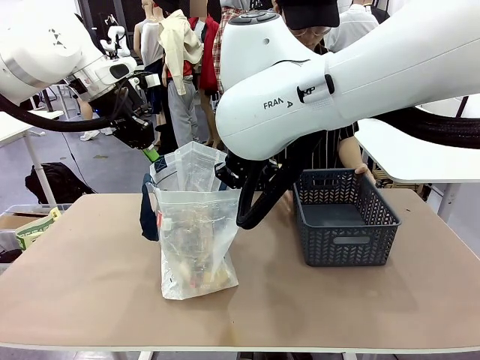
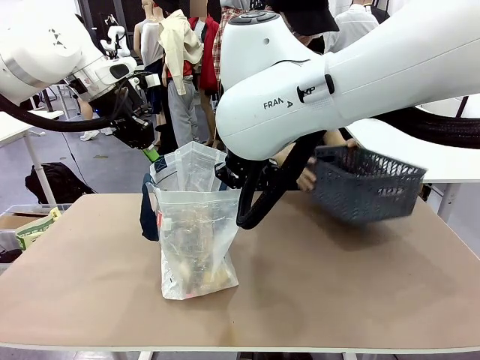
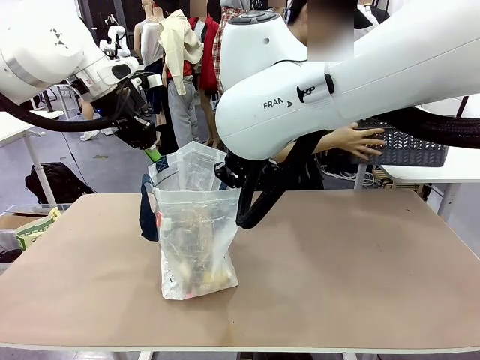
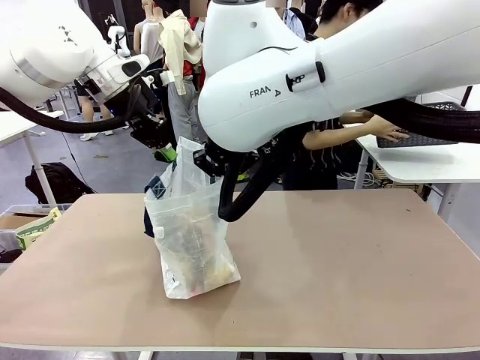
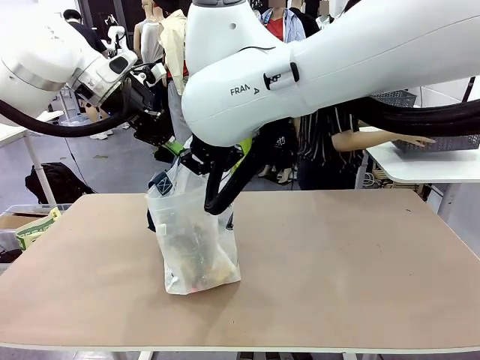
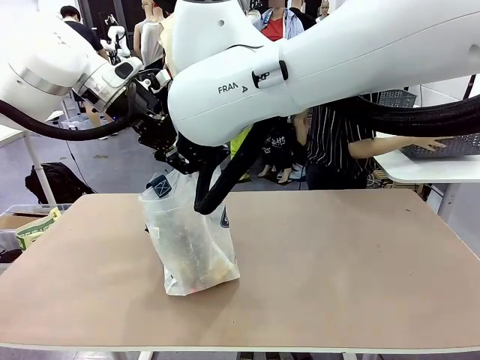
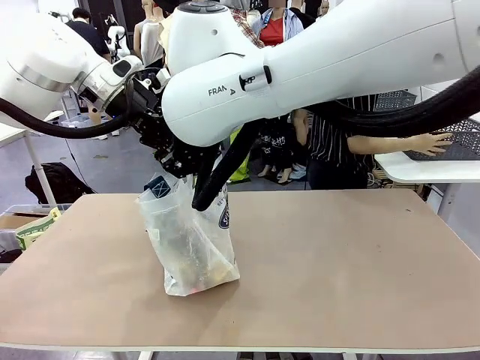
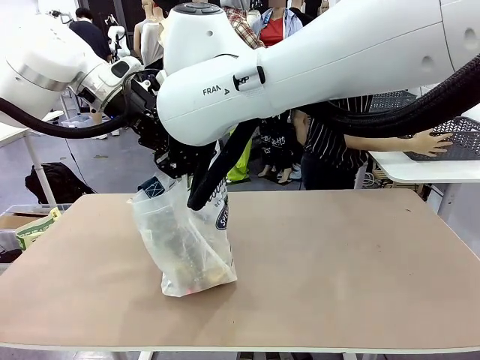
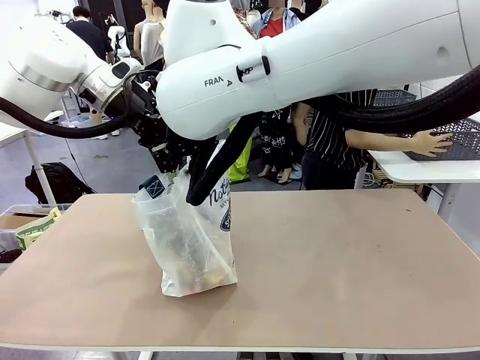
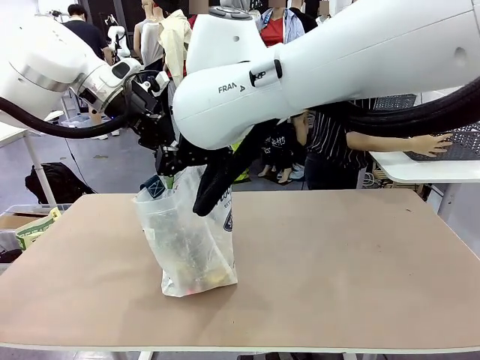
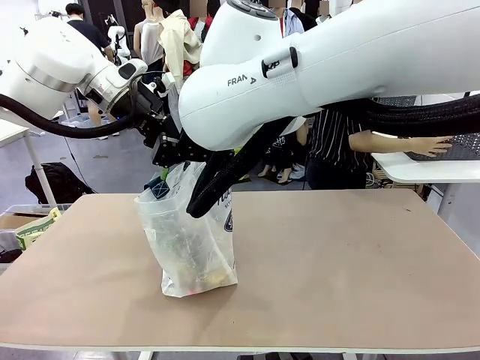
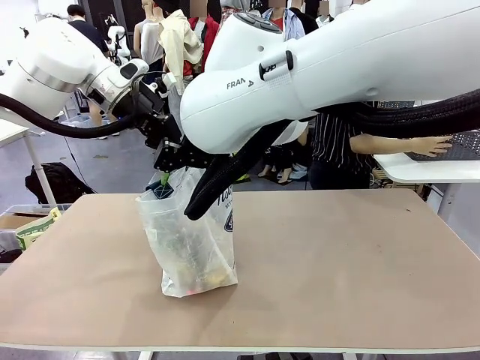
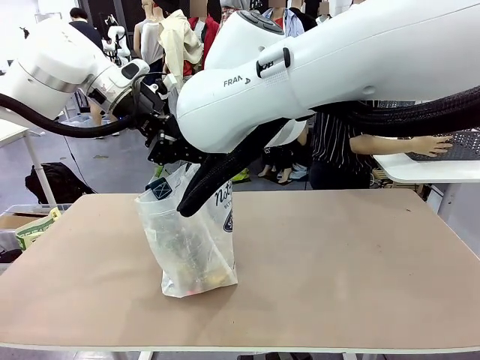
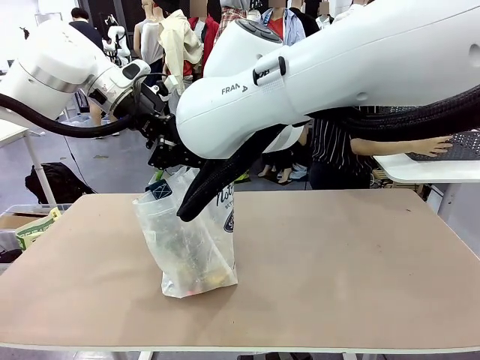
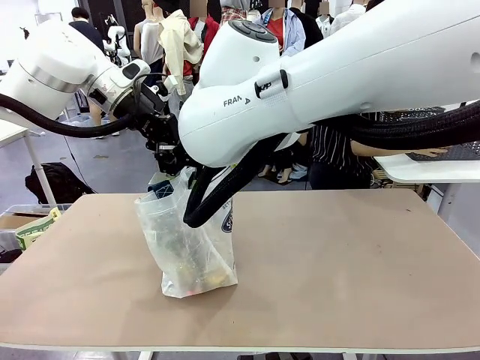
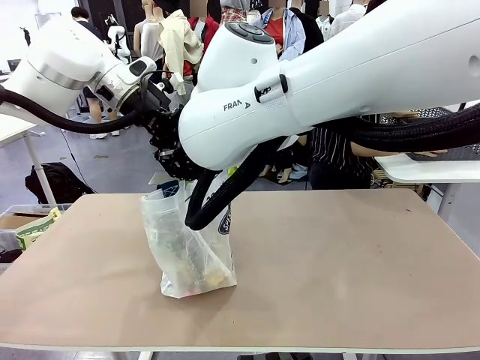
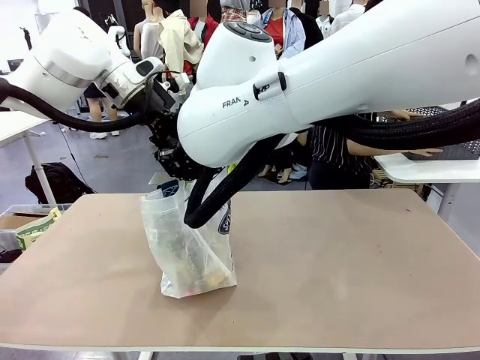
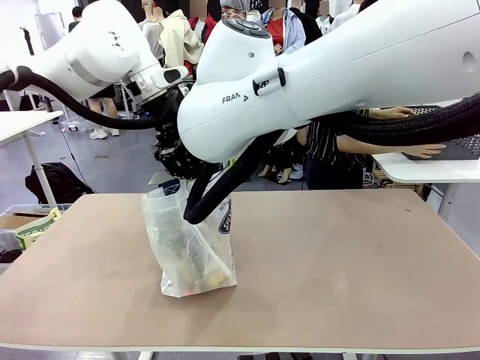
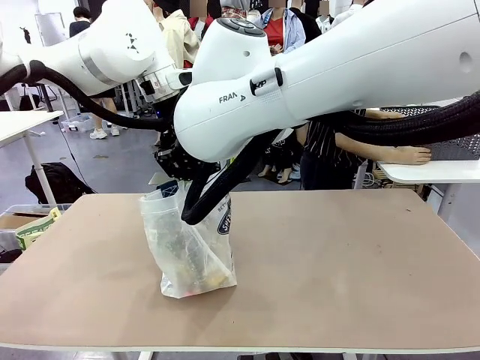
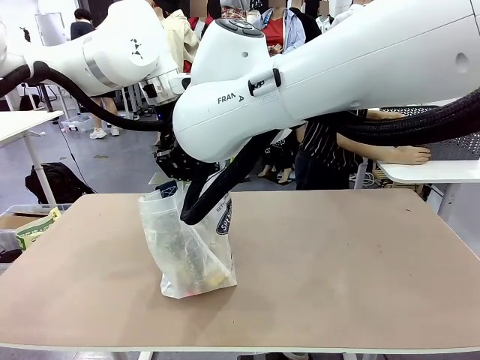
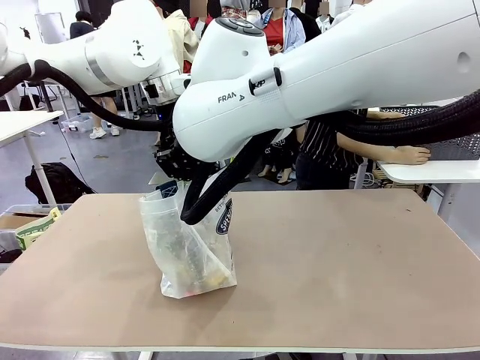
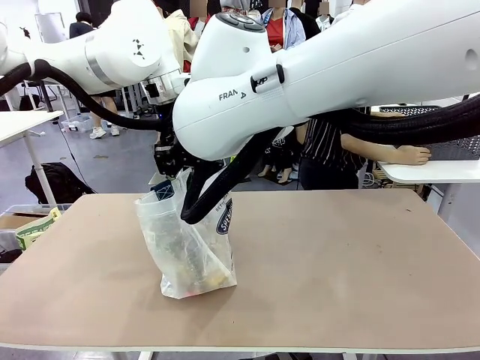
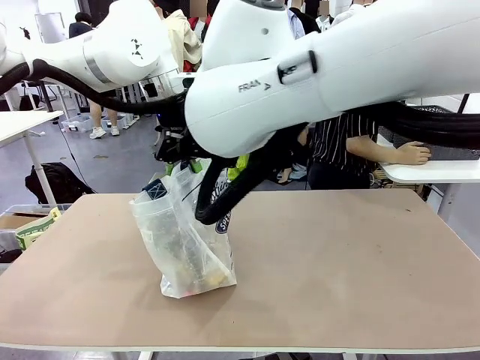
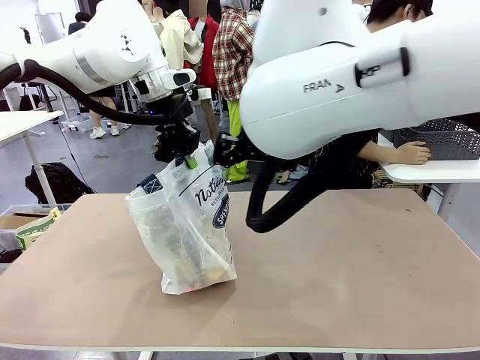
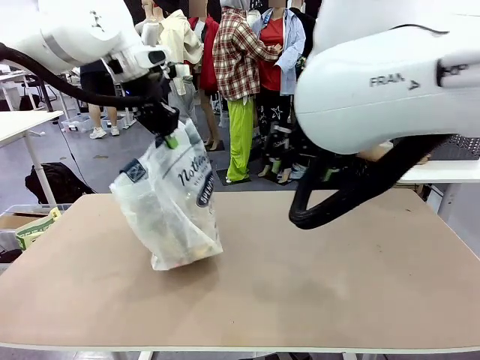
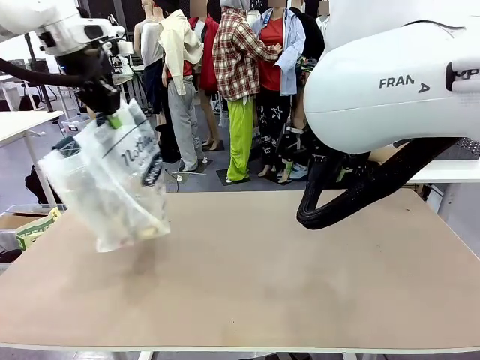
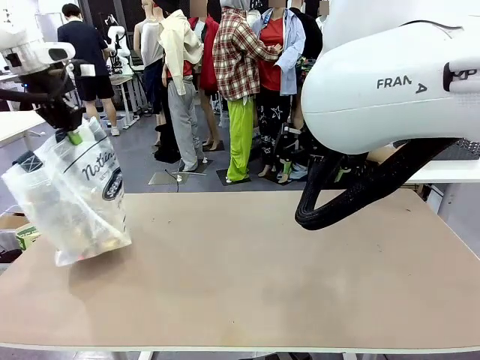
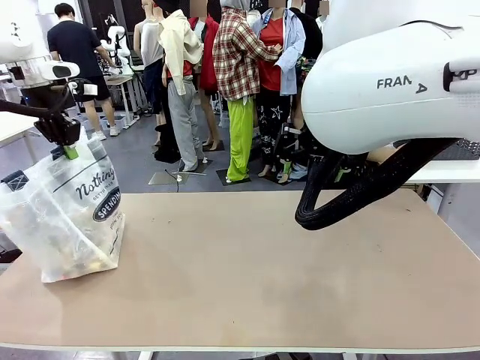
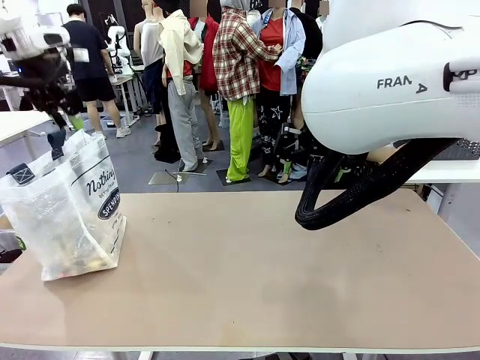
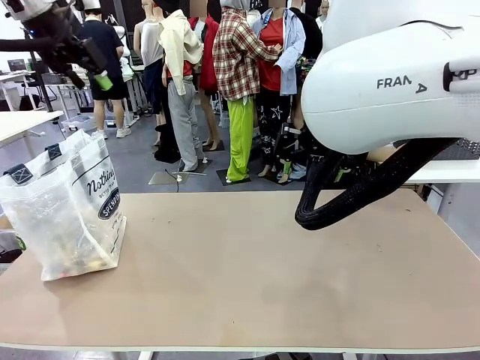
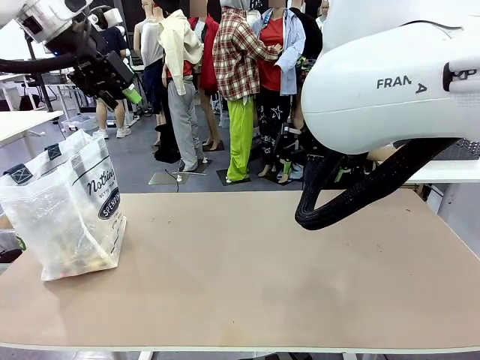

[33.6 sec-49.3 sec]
Task: Transfer purchased items from the store into the shopping bag.
Robot: Move the Reusable shopping bag to the right side of the table.
Person: Move the basket on the left to the middle of the person's table.

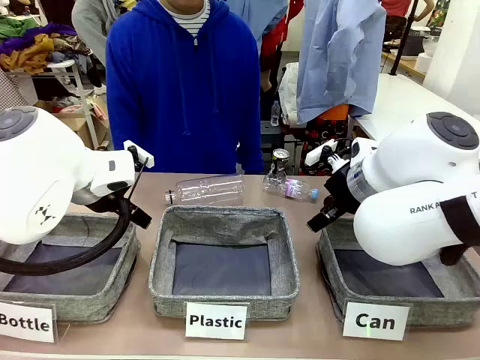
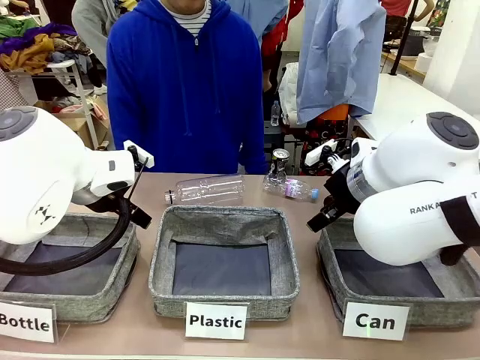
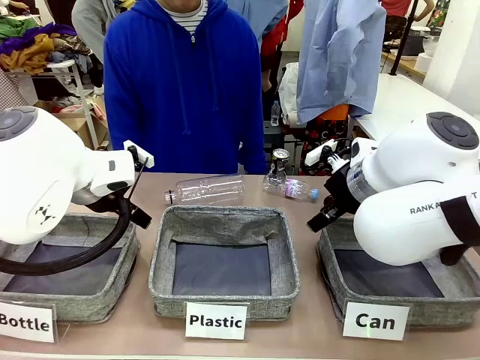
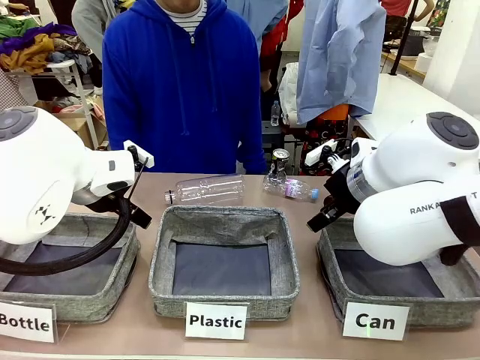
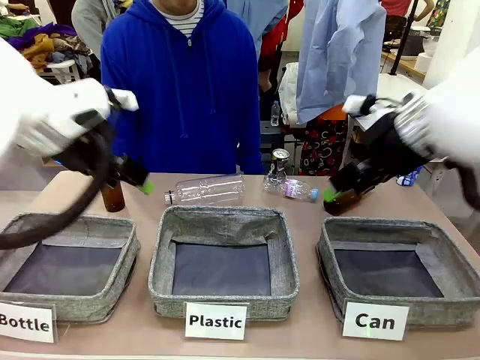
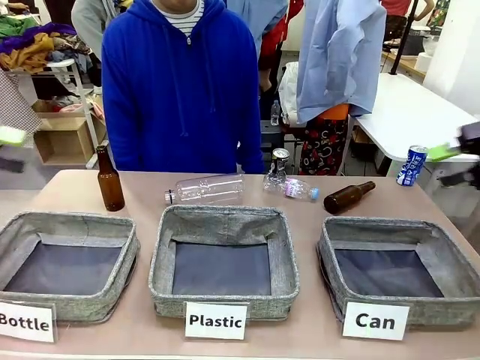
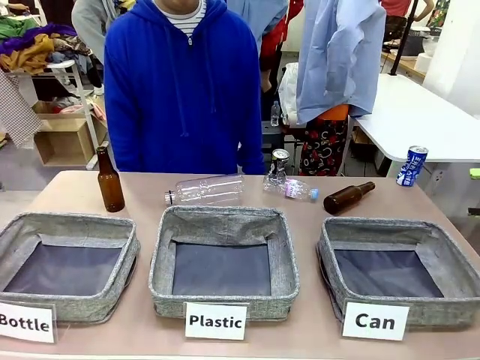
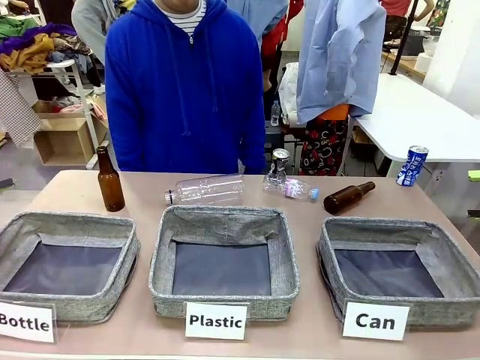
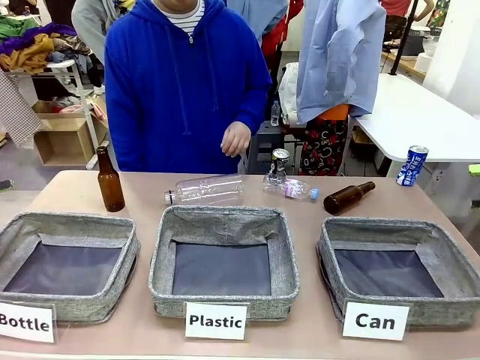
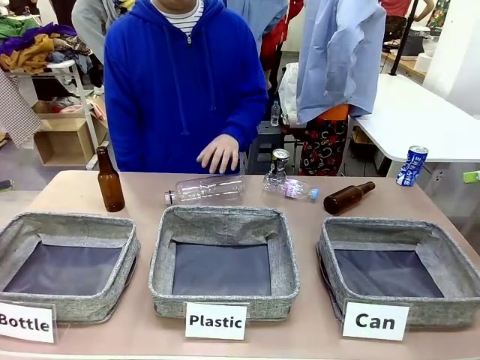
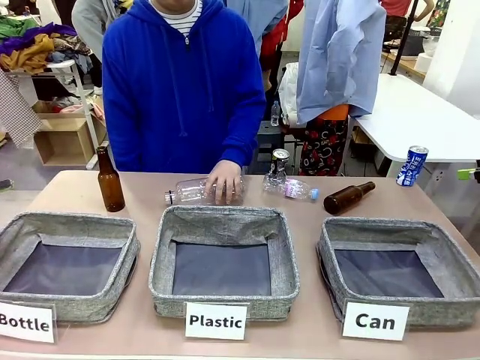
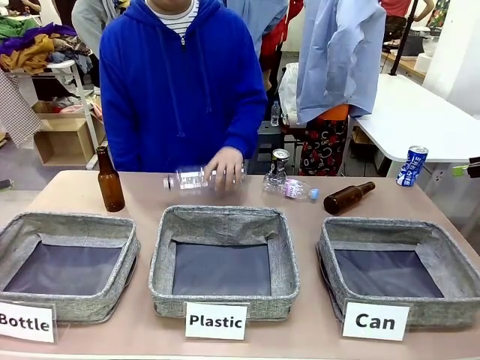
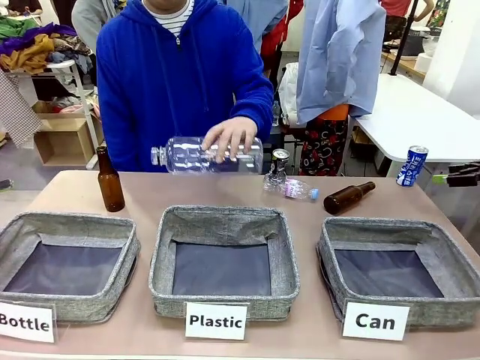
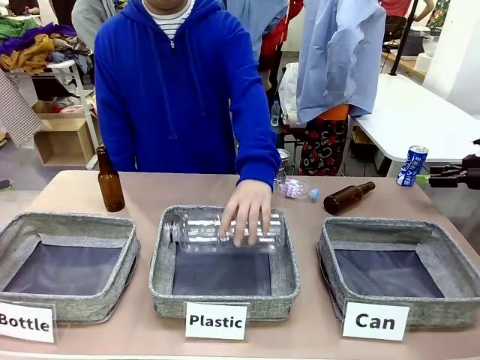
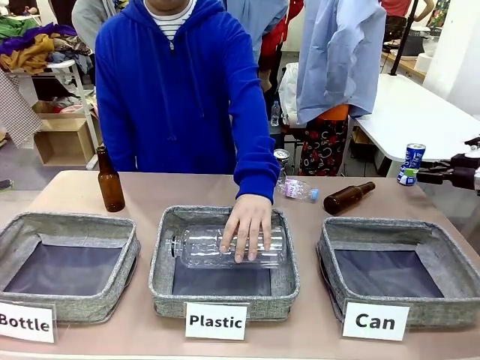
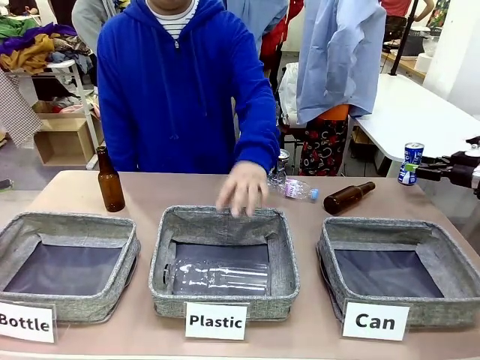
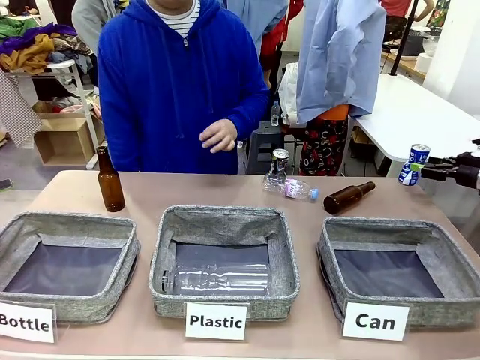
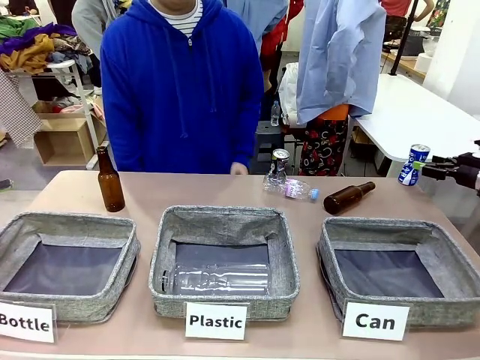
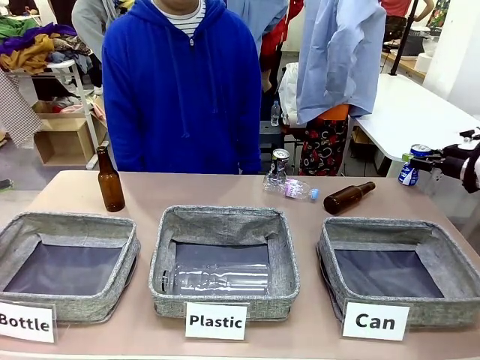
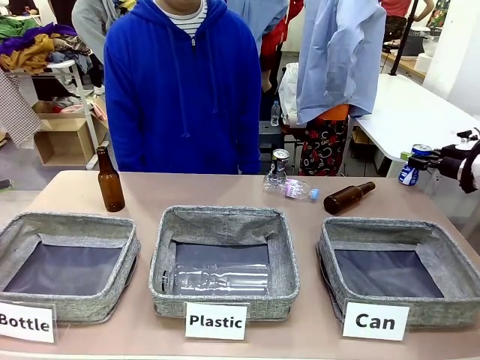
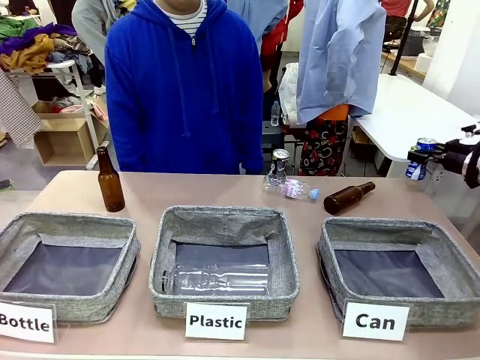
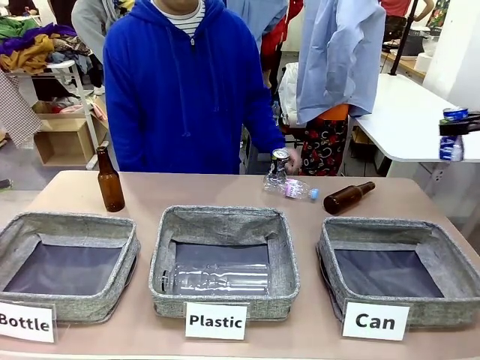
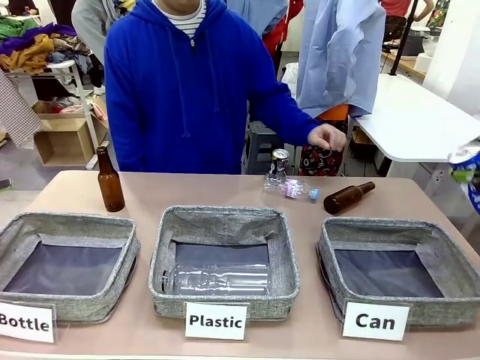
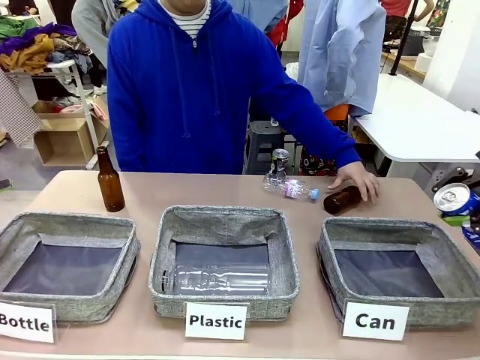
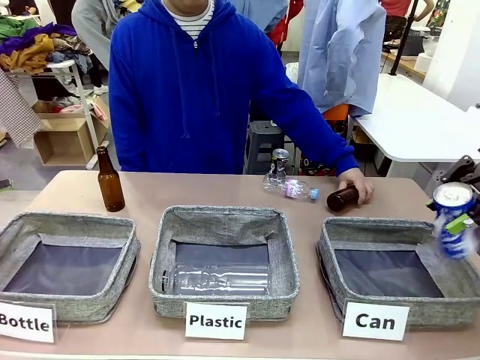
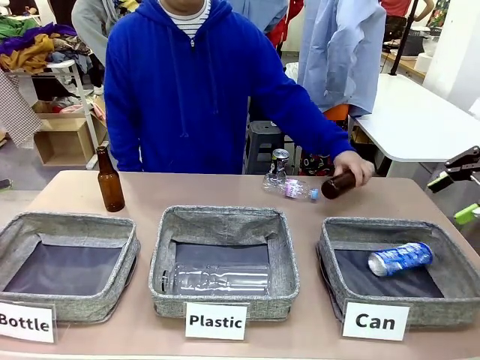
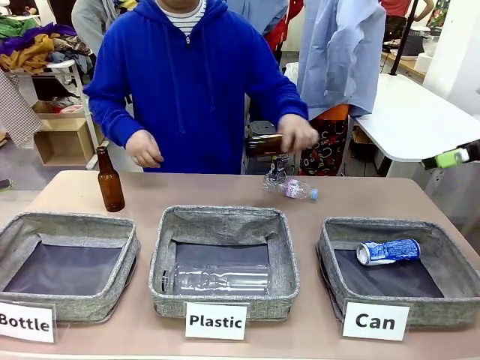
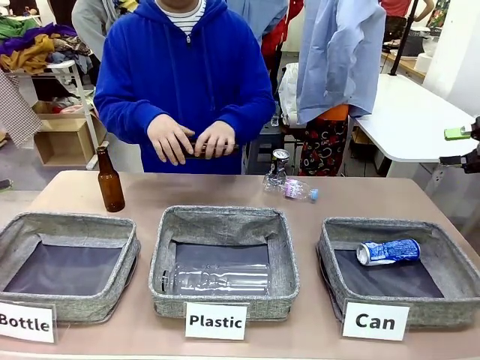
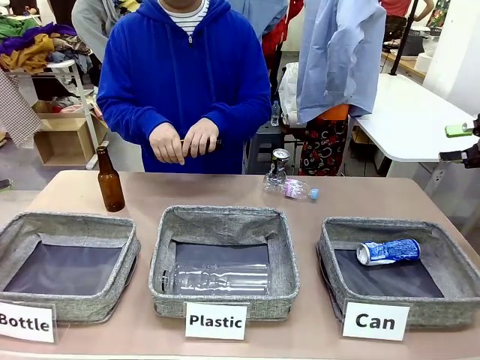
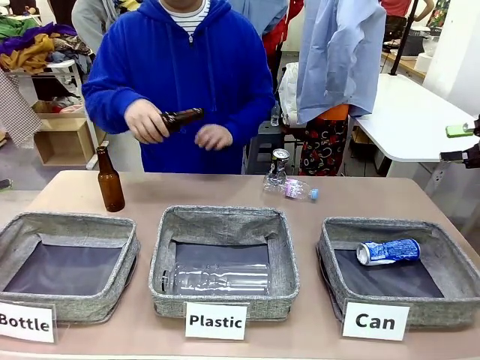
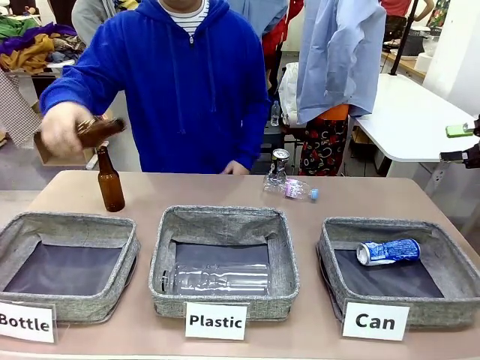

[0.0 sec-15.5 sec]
Task: Sort the can waste into the basket.
Robot: Pick up the can waste from the table and place it in the right Fabric basket.
